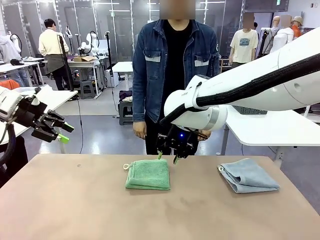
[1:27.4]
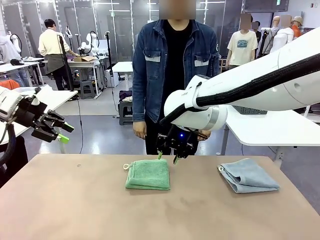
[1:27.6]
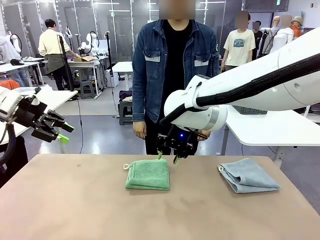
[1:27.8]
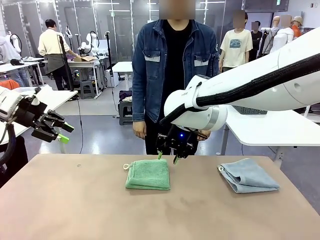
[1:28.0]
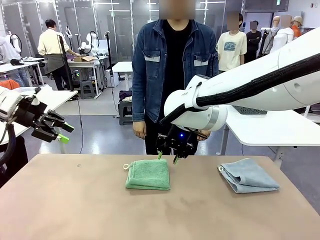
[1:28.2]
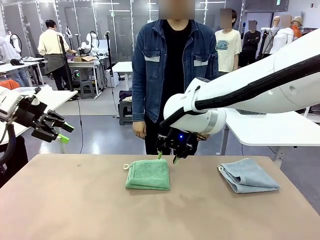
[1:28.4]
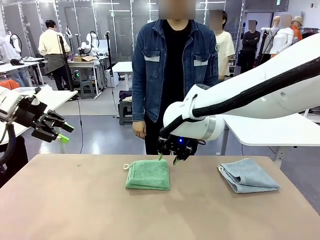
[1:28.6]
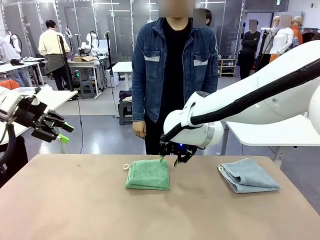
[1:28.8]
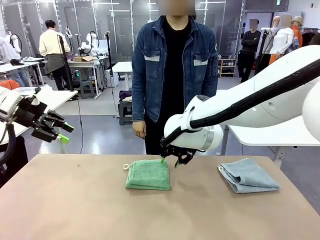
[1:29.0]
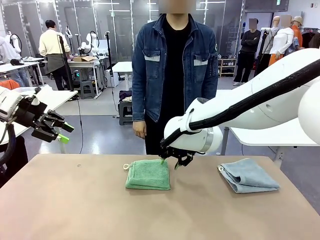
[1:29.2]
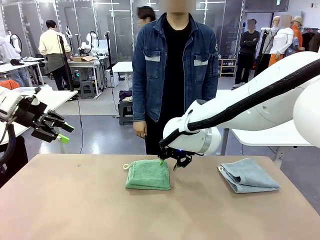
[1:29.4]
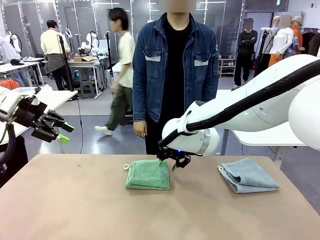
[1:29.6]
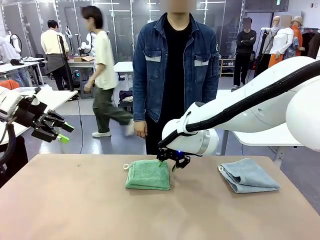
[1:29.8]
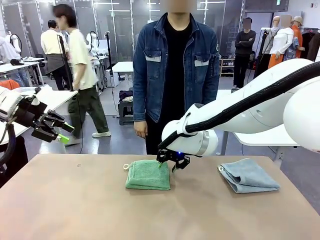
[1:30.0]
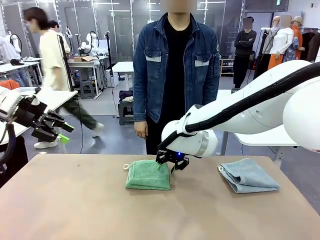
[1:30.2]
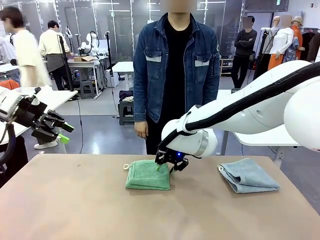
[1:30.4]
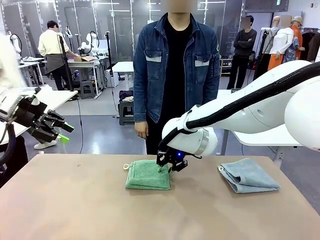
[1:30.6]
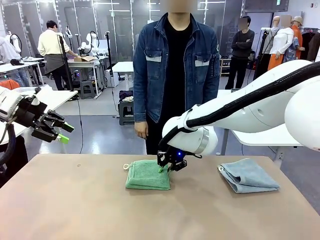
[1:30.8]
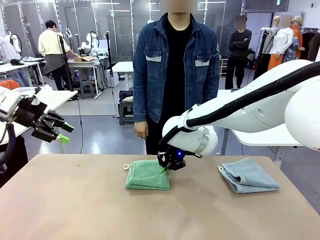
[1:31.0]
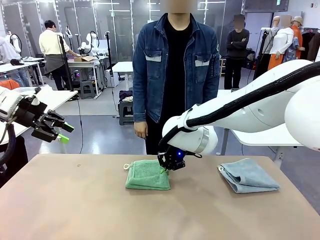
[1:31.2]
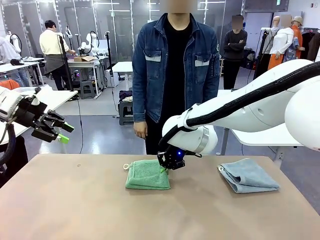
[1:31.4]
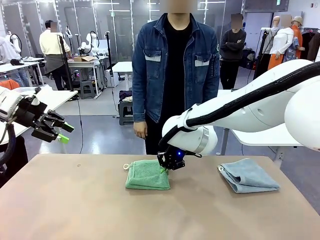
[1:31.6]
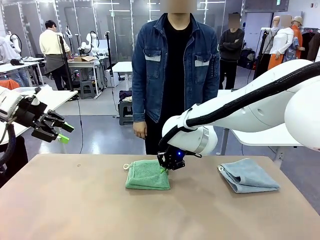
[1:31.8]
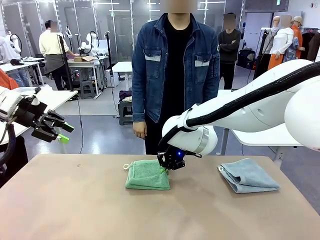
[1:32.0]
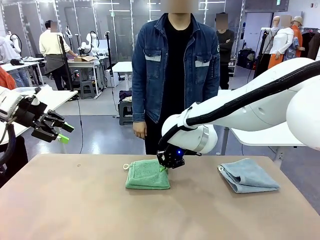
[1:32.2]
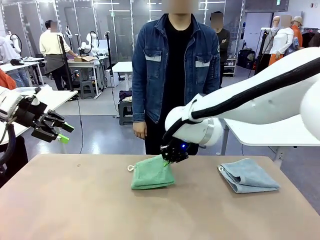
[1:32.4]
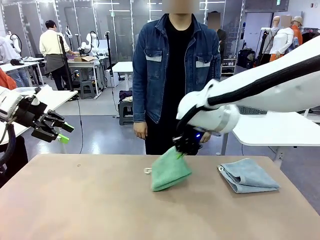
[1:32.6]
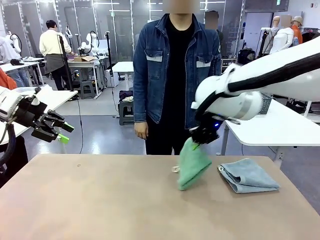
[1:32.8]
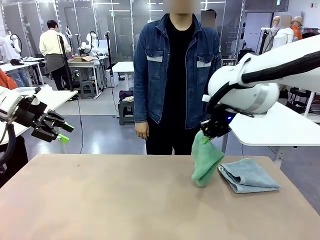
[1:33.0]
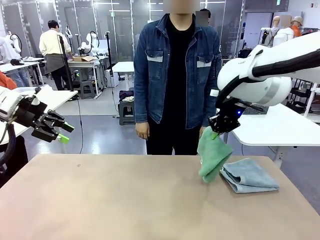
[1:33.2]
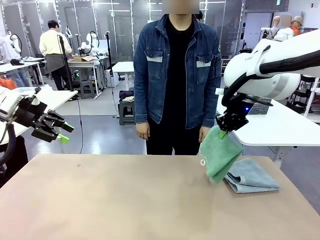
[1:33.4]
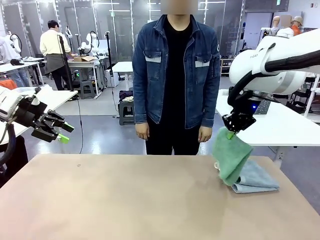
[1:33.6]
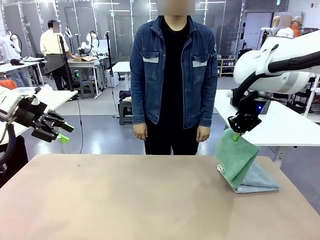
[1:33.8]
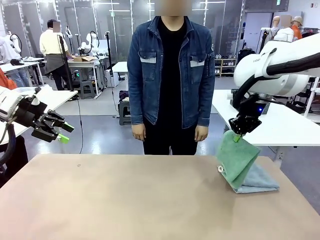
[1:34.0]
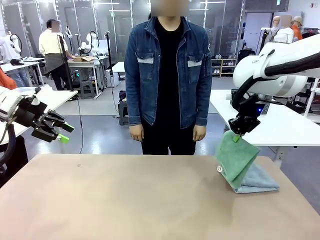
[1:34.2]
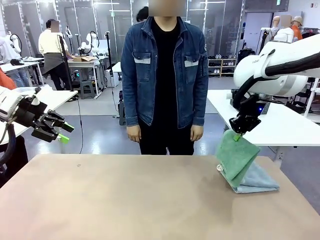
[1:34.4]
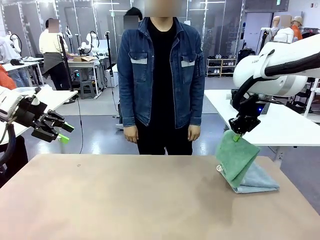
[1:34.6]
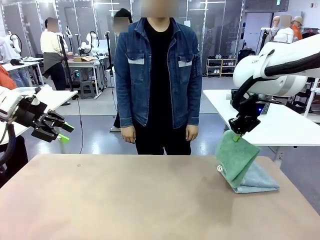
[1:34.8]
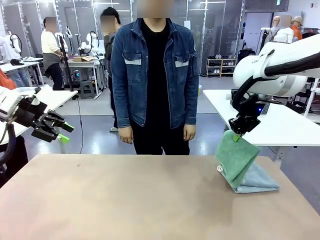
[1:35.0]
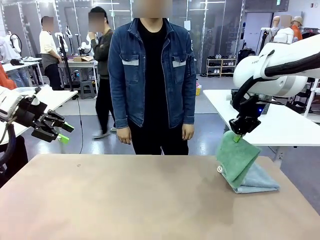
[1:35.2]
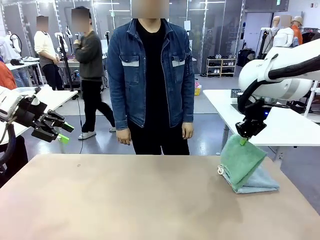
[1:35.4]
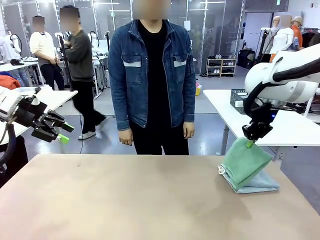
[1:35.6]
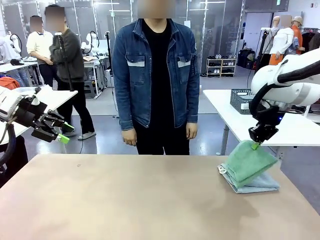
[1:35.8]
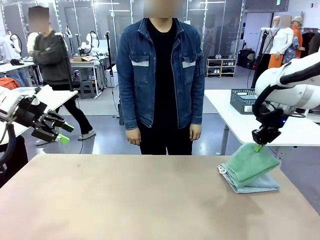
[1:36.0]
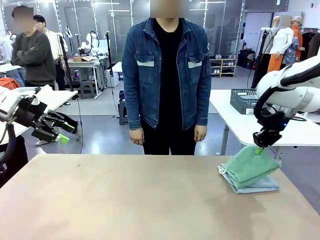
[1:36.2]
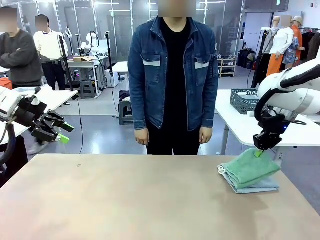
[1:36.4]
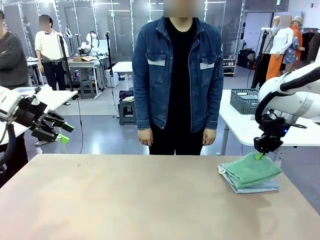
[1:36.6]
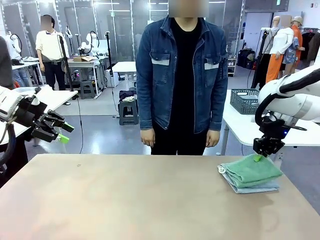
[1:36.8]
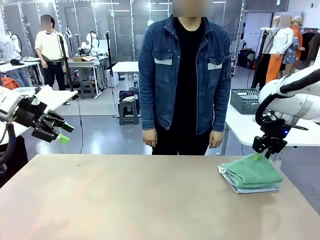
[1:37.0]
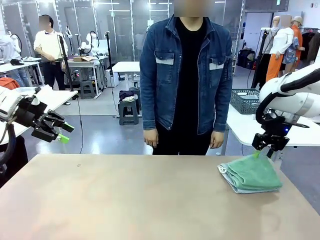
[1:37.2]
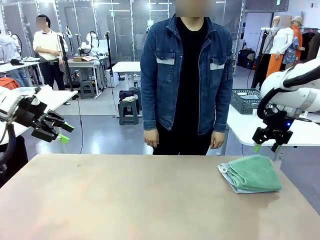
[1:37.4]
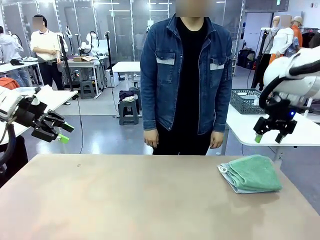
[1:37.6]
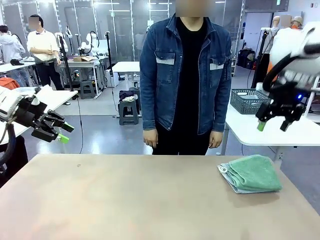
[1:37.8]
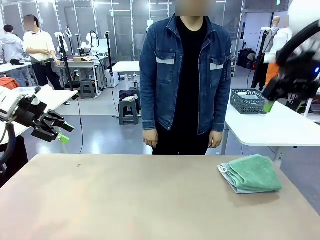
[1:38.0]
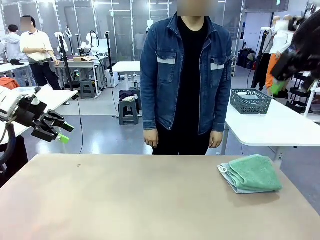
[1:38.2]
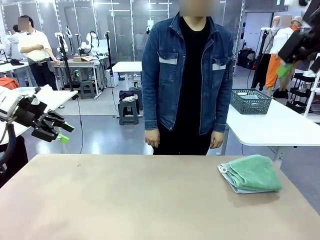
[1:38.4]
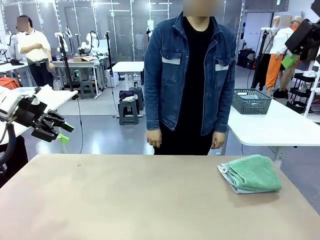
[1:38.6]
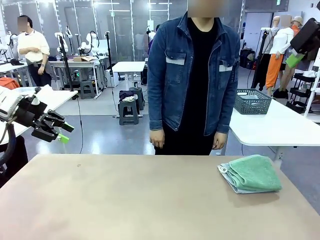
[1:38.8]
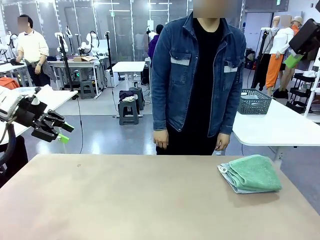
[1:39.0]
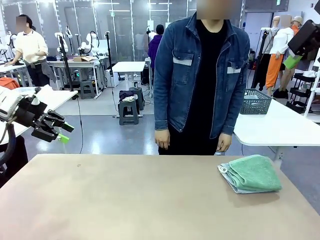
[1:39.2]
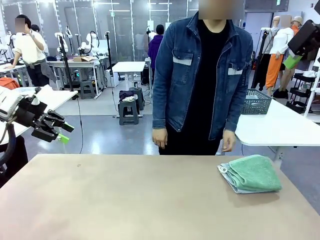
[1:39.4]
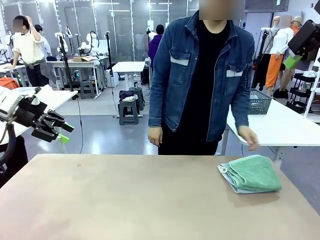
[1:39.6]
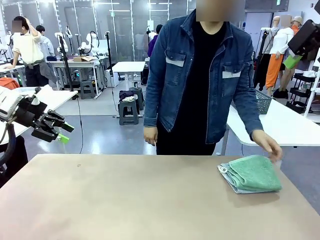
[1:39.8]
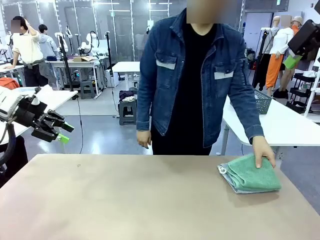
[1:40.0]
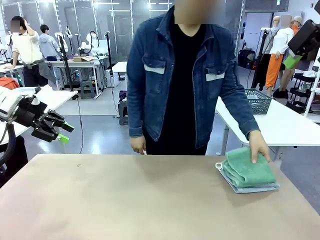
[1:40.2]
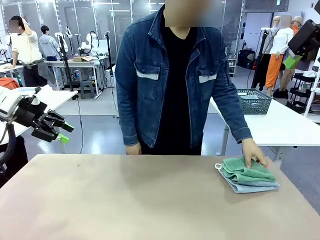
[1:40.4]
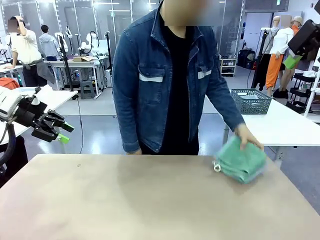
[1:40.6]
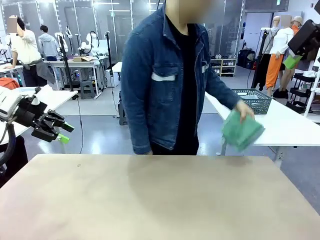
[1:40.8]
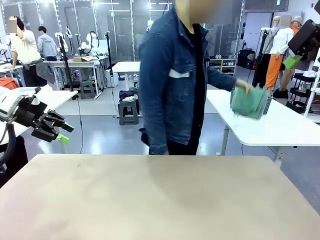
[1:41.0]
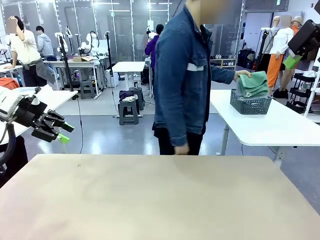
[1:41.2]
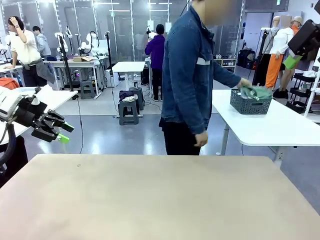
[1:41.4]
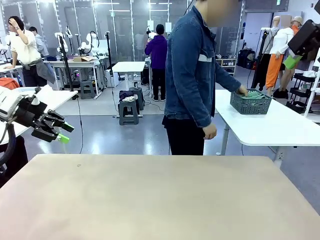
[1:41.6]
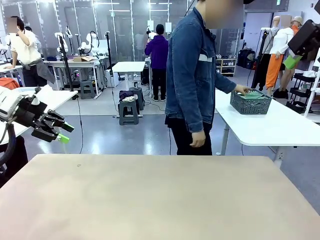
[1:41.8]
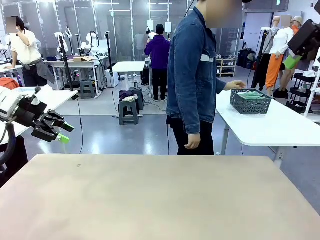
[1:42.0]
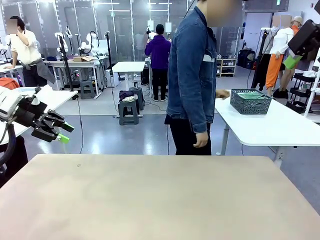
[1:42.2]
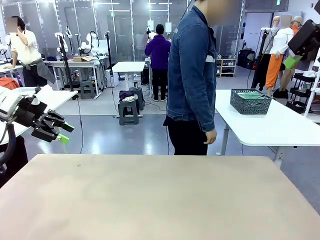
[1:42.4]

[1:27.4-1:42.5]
Task: Fold the towels and place them in the basket.
Robot: Stack the folded Towel with hook on the right side of the table.
Person: Pick up the stack of towels from the robot table and place it into the basket.
